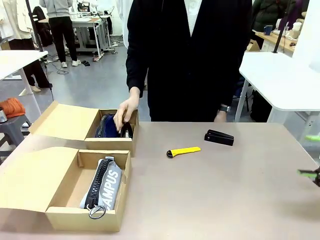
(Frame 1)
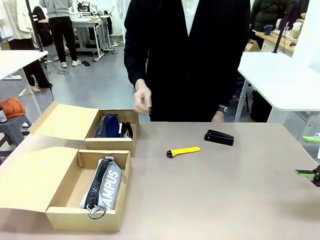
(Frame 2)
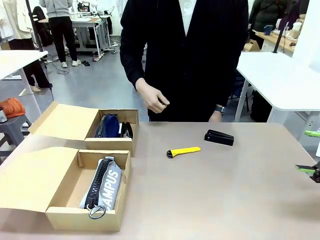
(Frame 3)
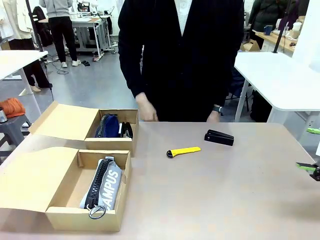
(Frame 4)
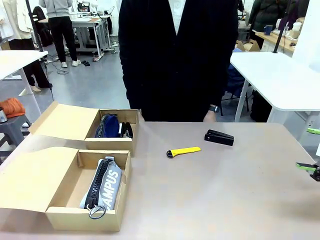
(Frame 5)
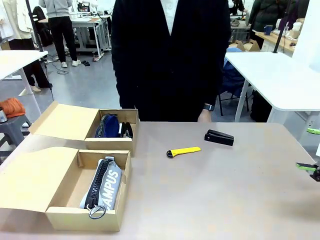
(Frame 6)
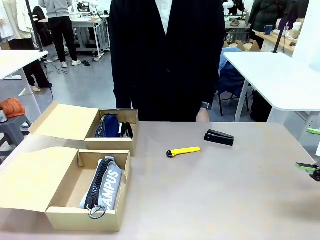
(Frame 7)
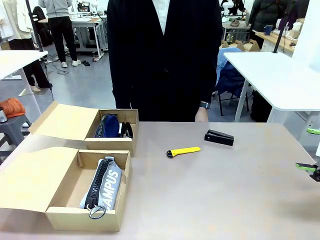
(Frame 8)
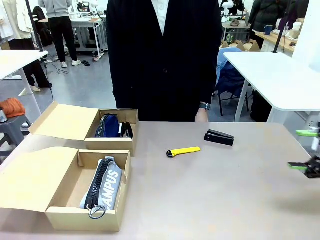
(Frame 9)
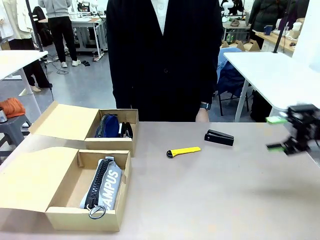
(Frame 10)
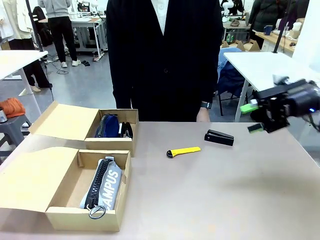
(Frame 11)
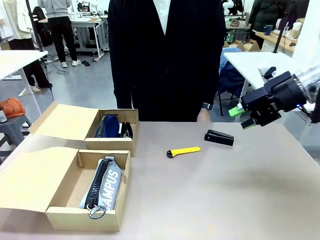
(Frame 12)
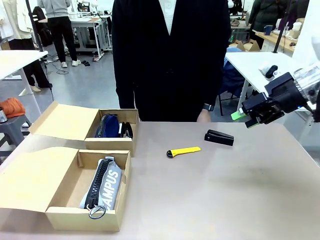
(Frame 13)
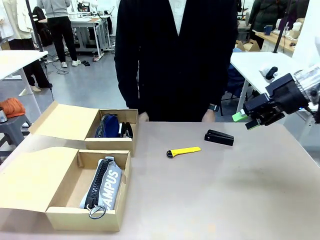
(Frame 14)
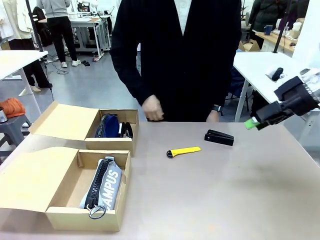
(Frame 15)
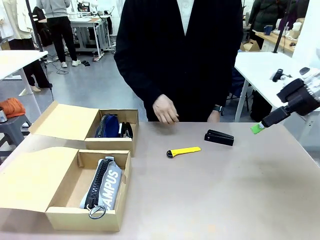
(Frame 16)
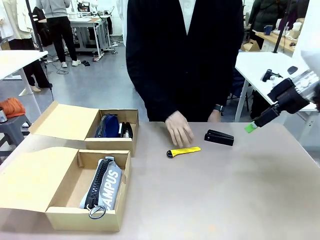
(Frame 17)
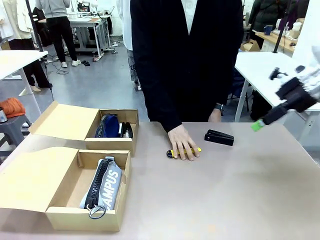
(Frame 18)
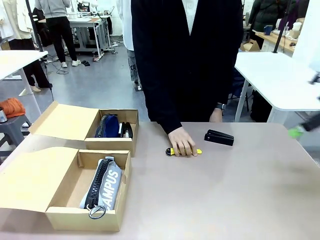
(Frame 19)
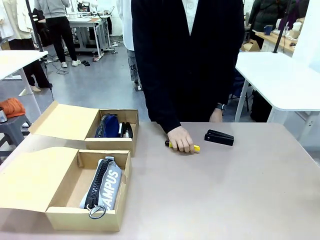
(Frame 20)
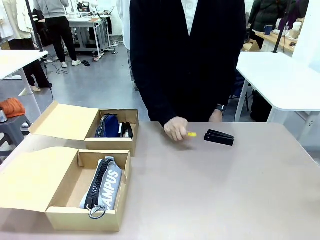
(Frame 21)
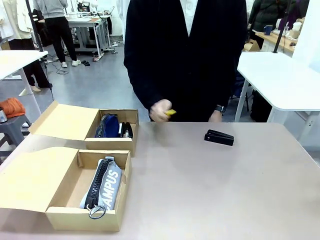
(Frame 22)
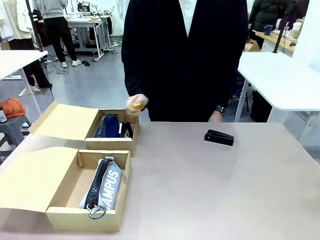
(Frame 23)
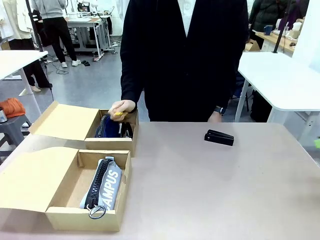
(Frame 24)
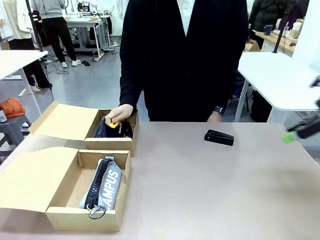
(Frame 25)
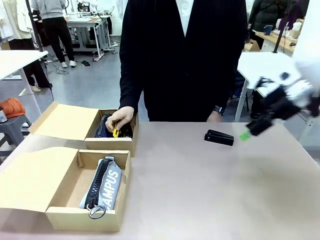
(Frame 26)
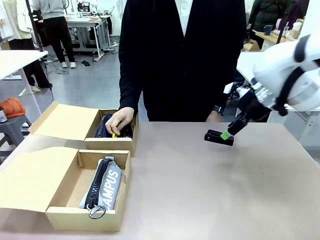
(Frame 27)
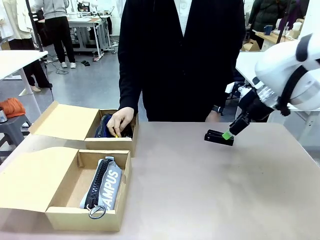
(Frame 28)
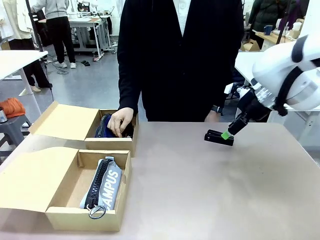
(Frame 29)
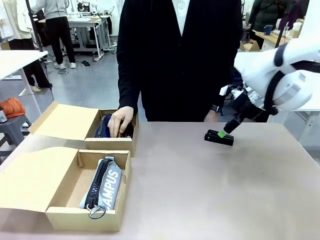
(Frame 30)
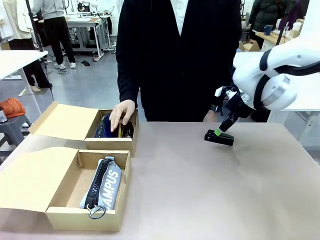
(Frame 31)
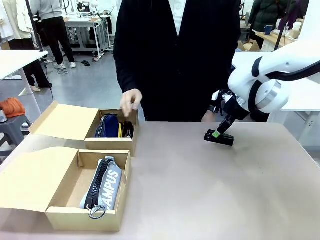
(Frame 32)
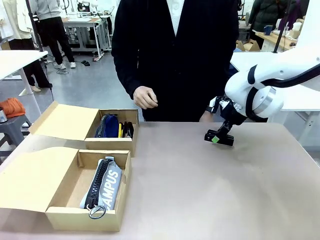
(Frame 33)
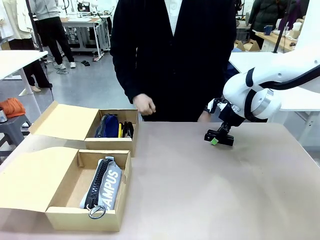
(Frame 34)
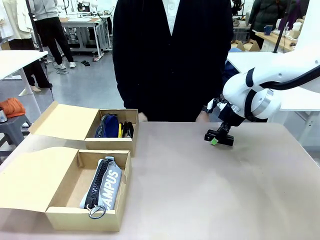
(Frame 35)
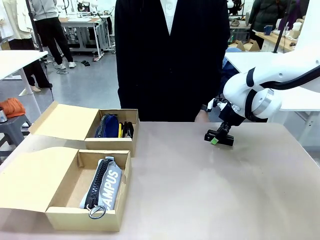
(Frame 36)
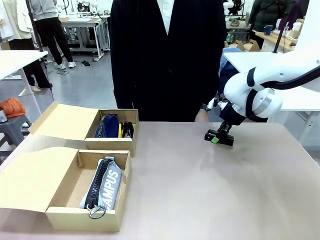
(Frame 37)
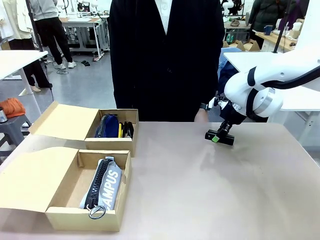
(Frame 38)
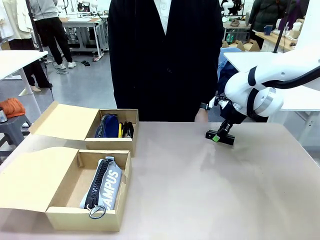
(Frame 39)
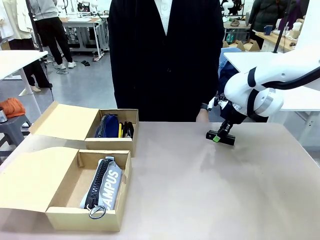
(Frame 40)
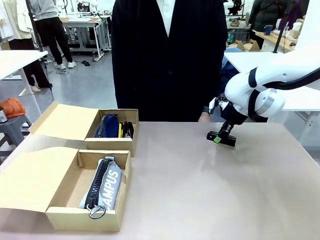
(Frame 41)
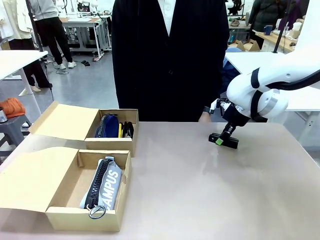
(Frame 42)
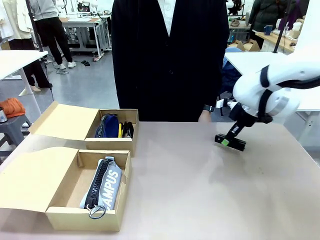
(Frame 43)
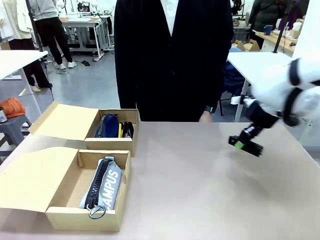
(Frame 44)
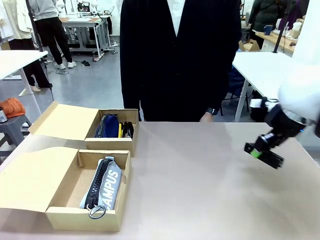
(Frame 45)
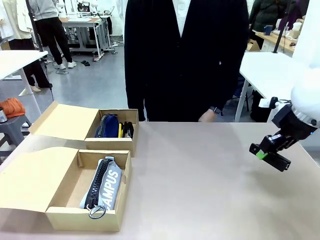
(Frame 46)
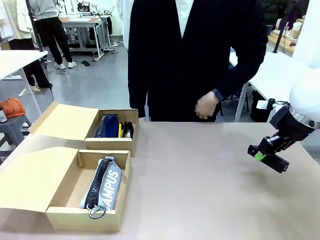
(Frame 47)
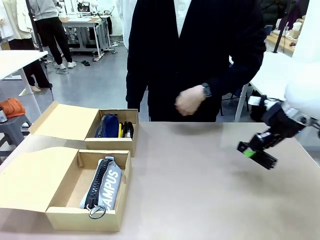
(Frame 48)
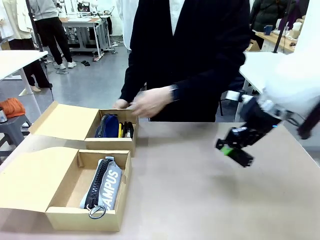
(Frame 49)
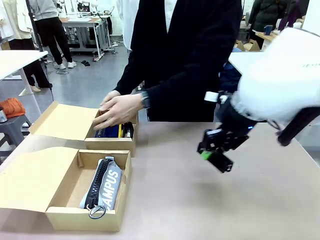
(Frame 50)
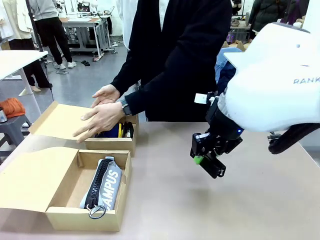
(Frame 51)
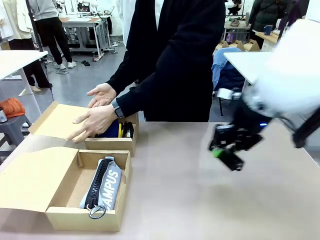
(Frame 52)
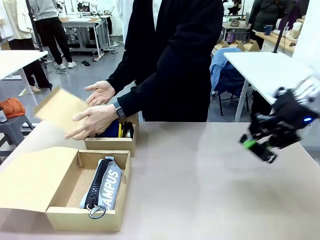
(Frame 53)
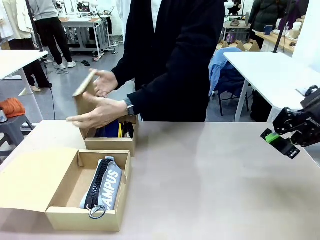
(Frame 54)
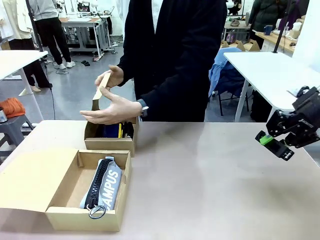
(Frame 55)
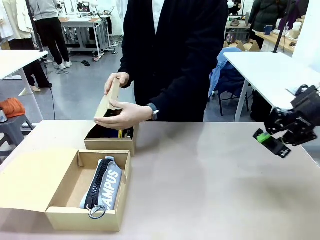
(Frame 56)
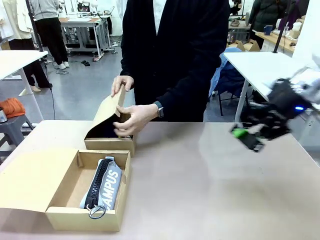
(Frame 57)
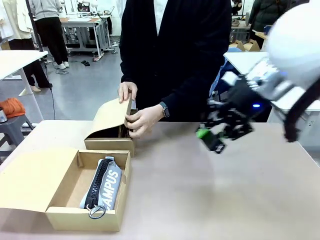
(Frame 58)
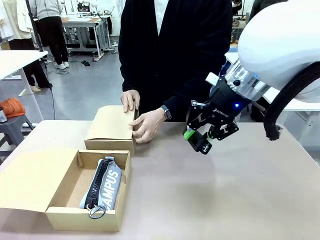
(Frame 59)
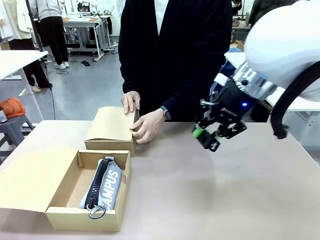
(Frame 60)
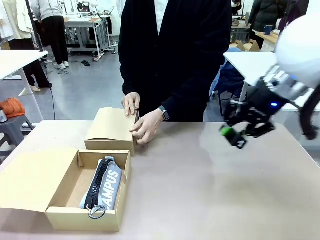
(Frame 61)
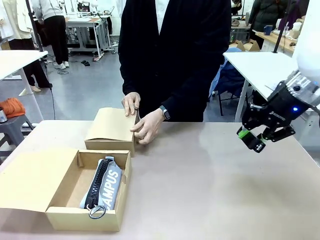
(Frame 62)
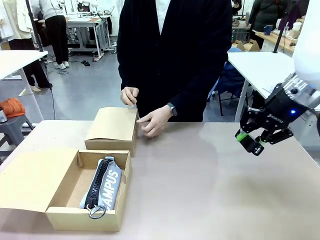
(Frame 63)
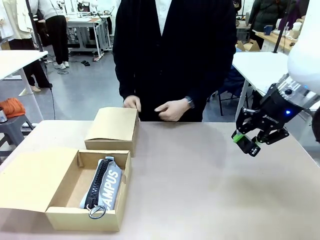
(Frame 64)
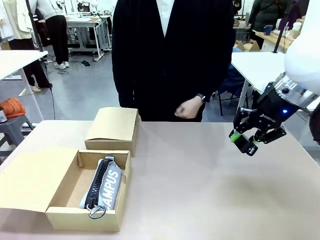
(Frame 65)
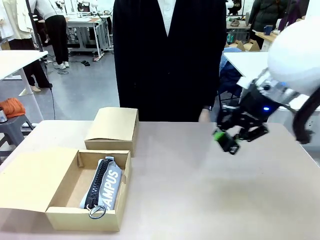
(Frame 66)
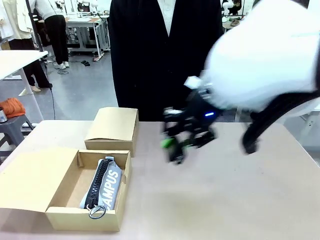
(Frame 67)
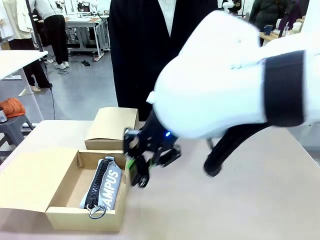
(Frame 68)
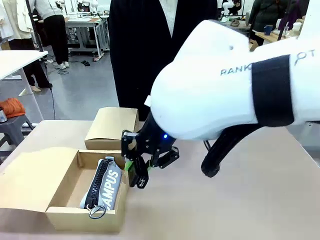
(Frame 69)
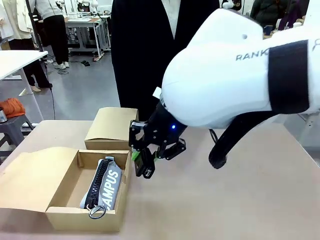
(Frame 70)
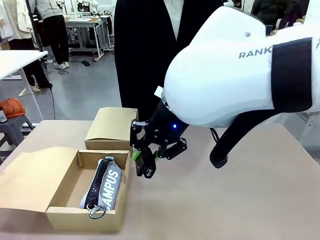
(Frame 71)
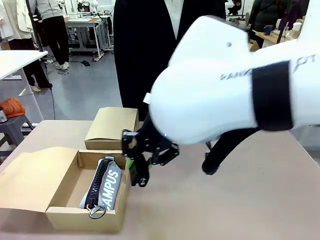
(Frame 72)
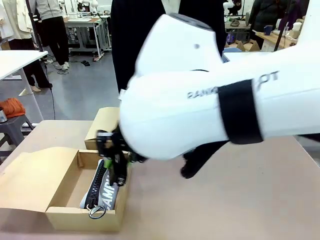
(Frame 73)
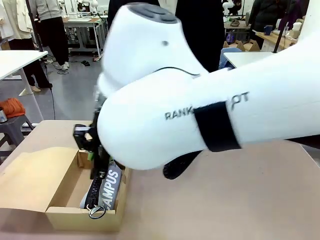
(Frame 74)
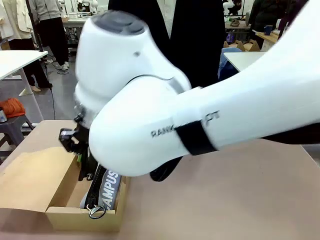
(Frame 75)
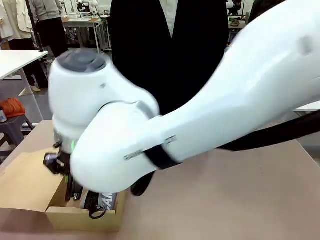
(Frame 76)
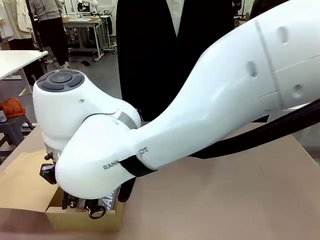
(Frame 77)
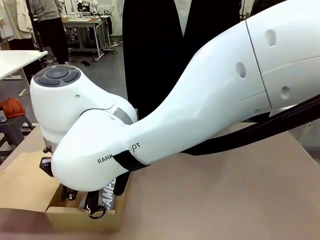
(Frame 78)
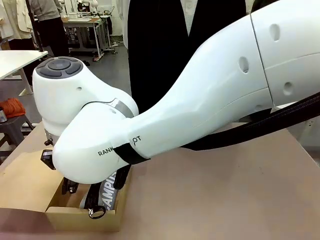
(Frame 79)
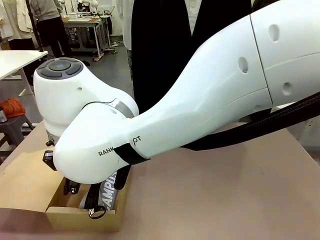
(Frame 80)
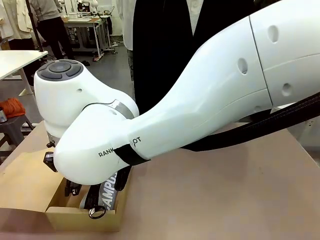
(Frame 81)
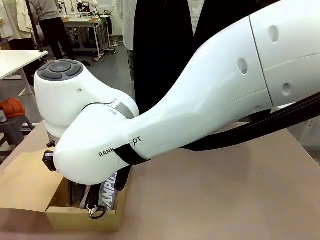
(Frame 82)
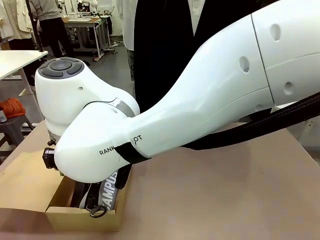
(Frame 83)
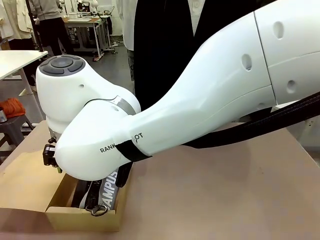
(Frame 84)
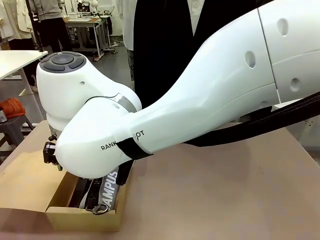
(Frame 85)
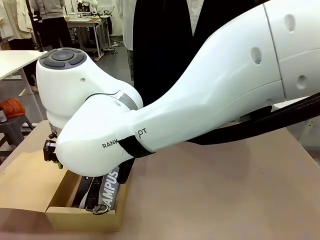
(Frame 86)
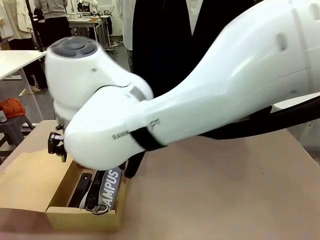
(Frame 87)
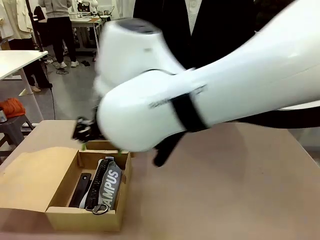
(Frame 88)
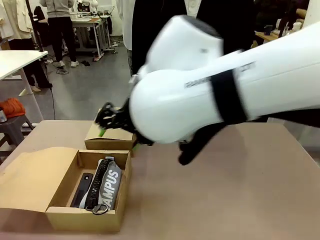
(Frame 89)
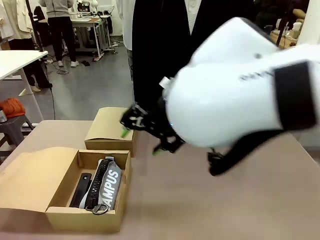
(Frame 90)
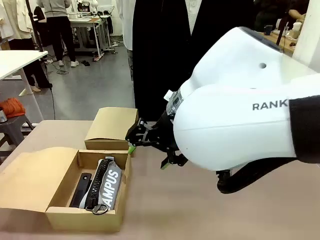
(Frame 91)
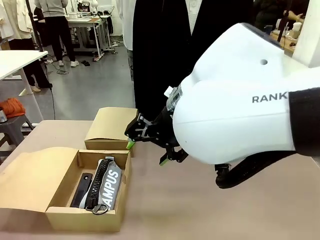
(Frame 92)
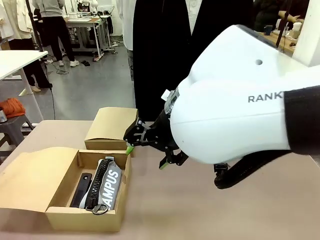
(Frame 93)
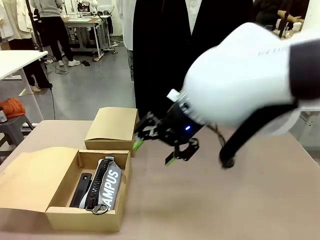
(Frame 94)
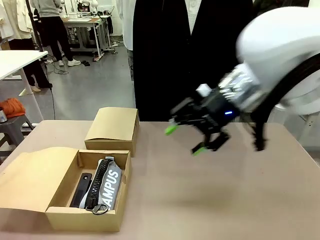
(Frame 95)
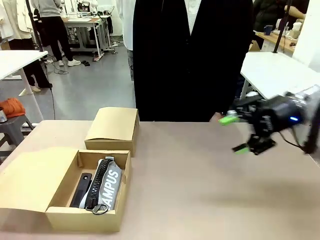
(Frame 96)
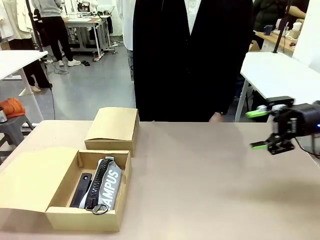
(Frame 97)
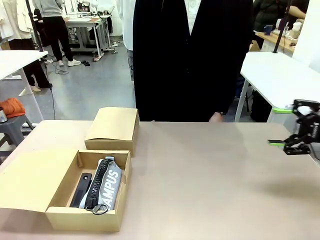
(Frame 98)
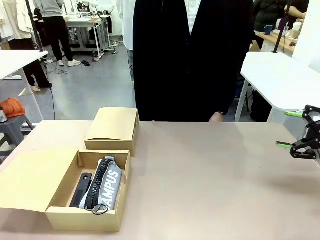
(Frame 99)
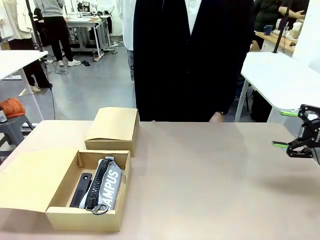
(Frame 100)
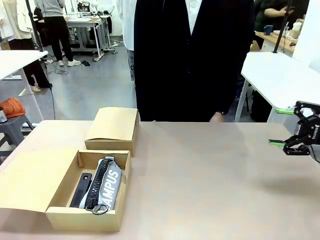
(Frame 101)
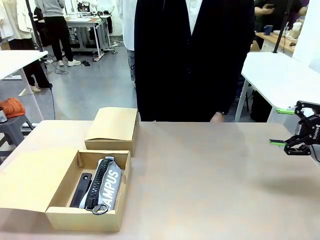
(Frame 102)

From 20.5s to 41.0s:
Task: Place items inside the box.
Robot: Pick up a Pencil pouch or Stapler and place it inside the Mailer Box closest to the robot.
Person: Close the lid of the box facing the person.
